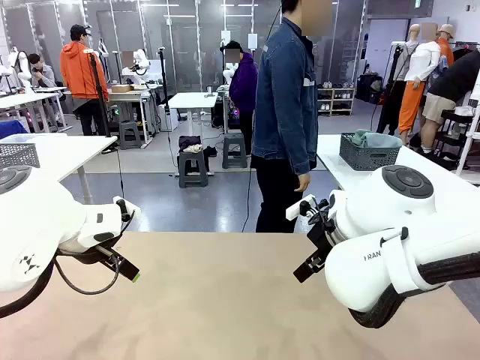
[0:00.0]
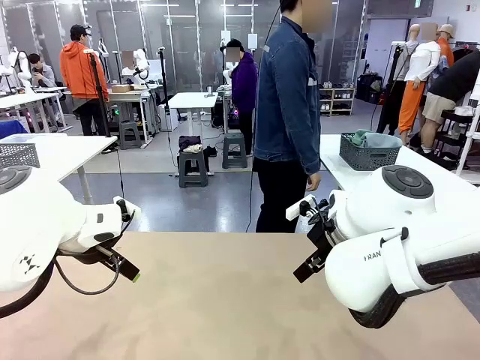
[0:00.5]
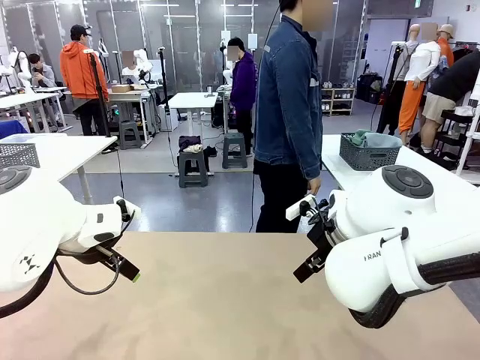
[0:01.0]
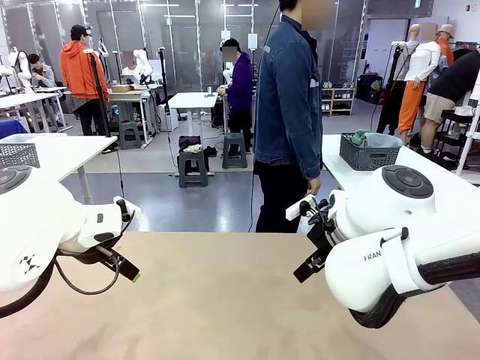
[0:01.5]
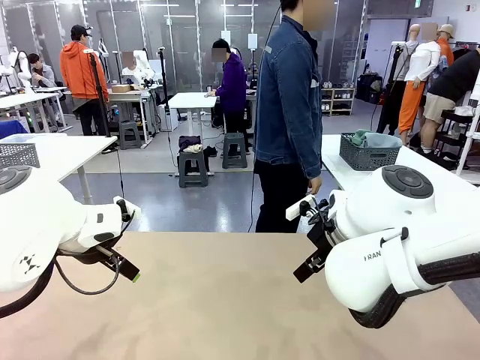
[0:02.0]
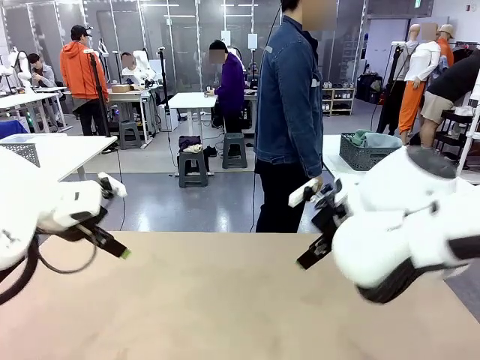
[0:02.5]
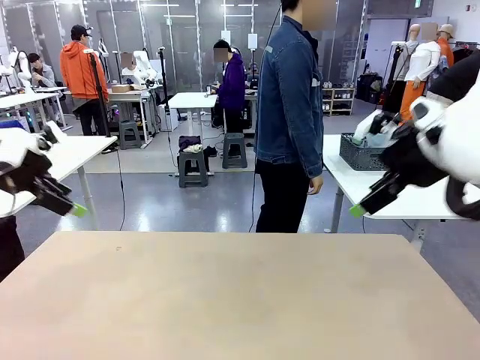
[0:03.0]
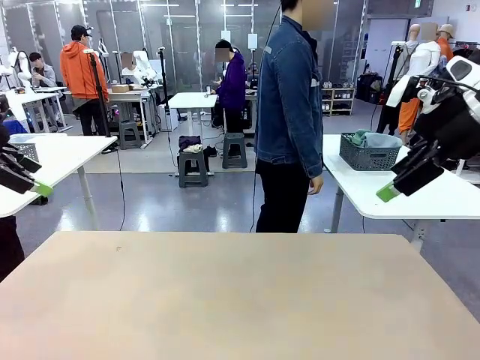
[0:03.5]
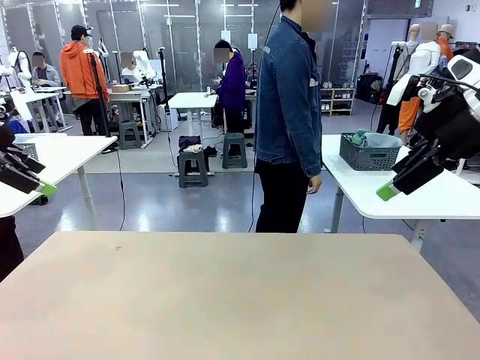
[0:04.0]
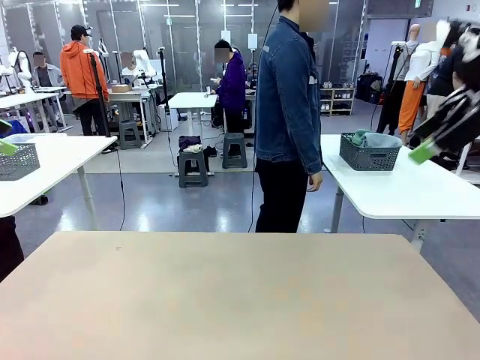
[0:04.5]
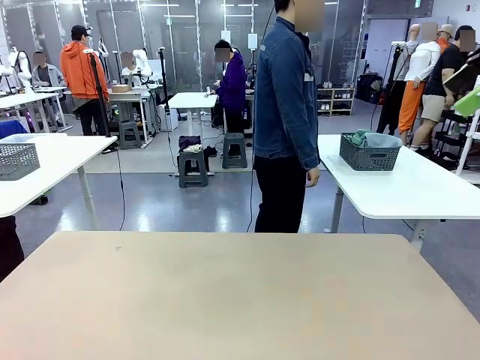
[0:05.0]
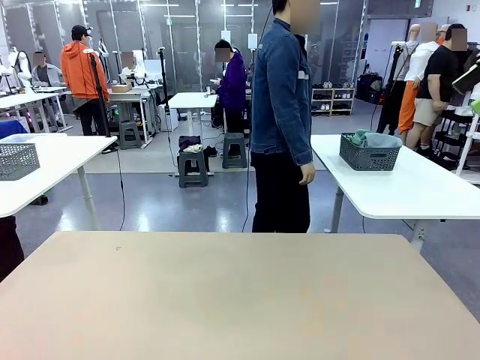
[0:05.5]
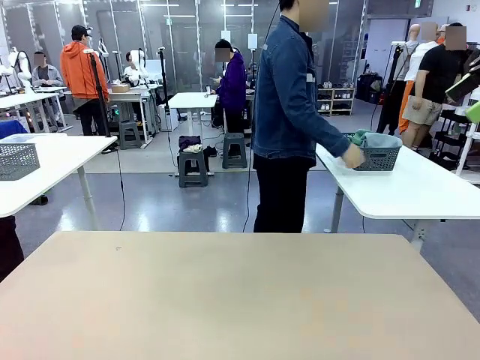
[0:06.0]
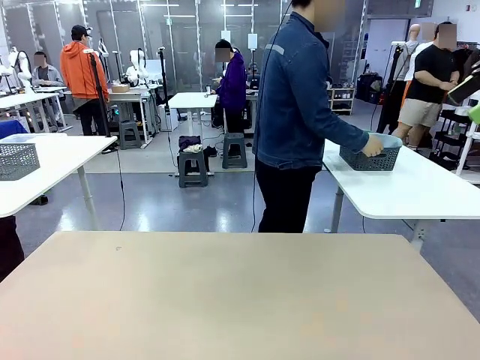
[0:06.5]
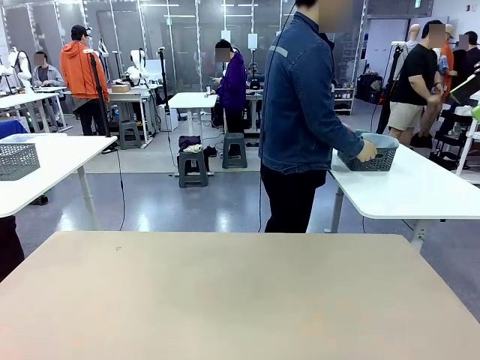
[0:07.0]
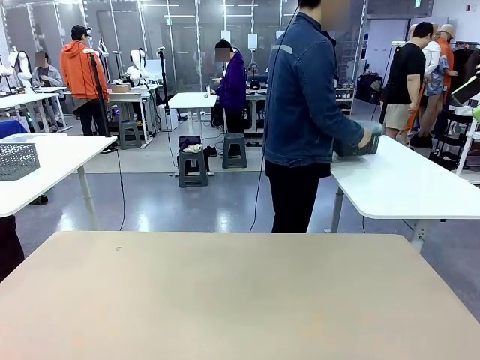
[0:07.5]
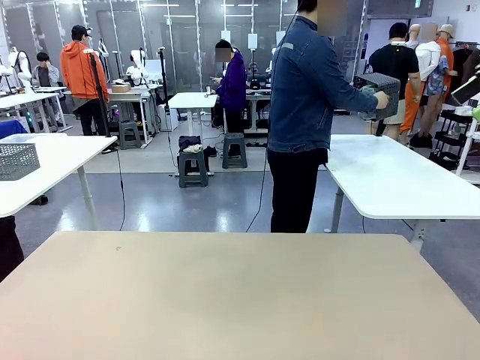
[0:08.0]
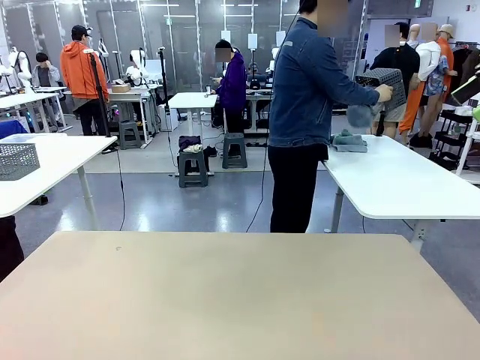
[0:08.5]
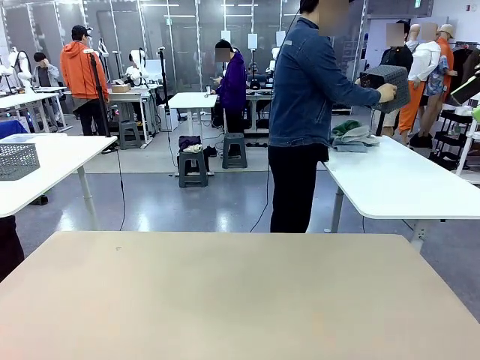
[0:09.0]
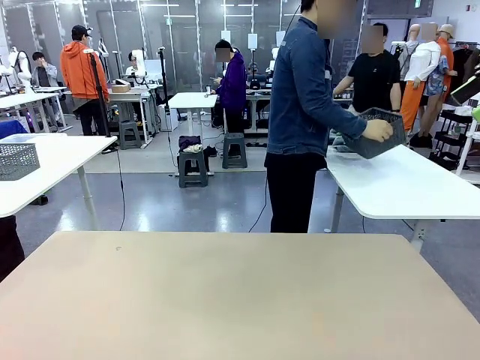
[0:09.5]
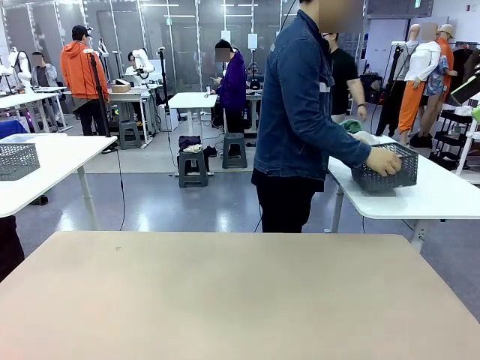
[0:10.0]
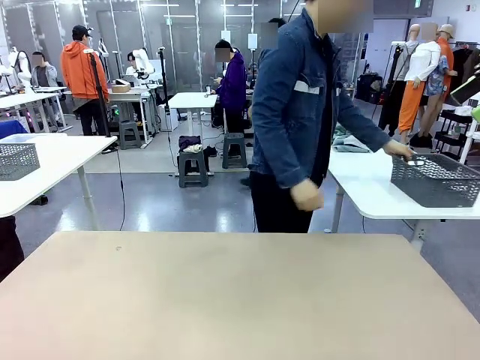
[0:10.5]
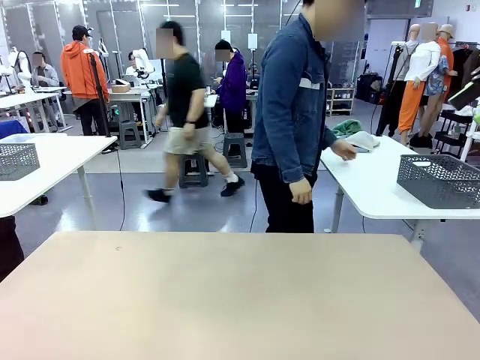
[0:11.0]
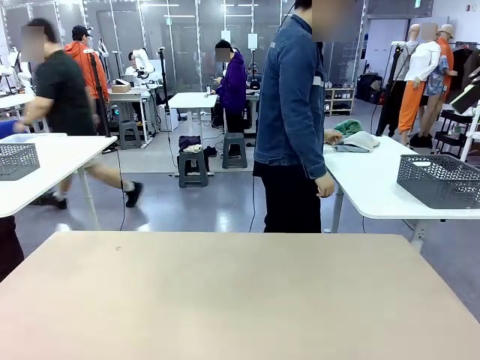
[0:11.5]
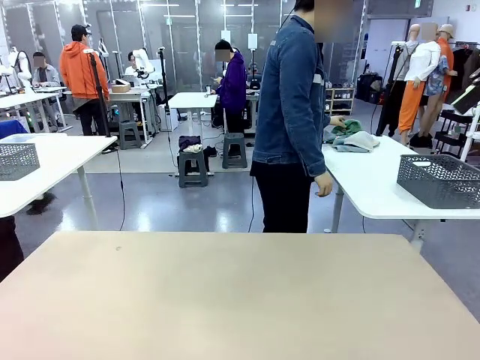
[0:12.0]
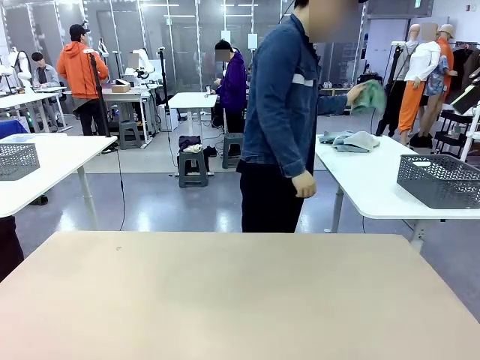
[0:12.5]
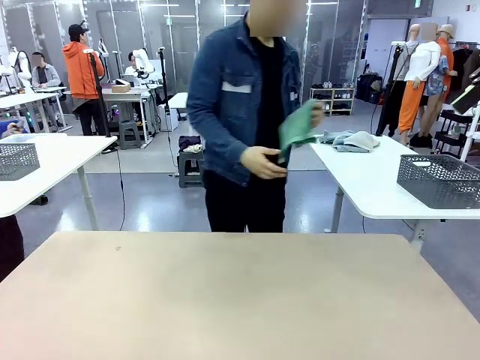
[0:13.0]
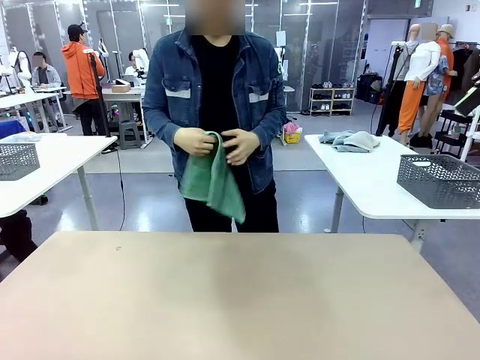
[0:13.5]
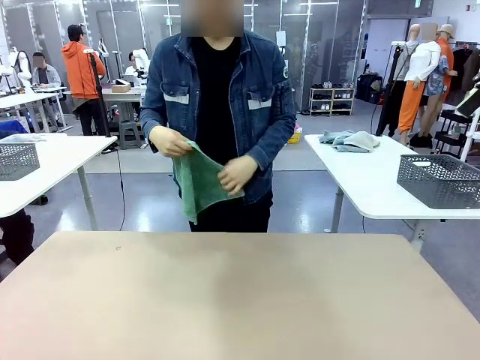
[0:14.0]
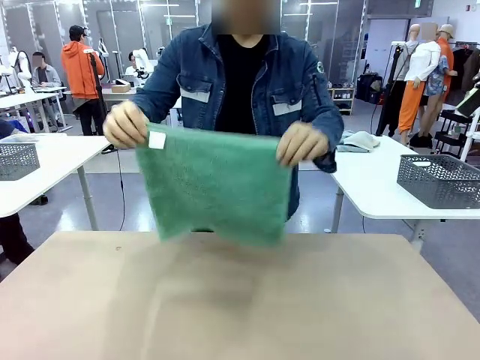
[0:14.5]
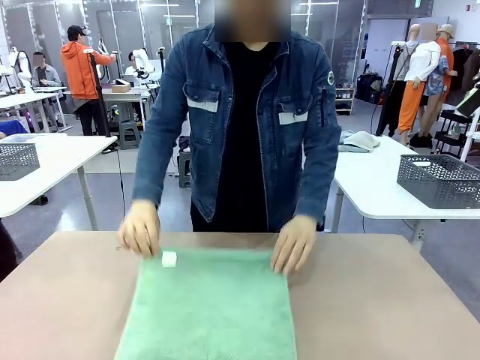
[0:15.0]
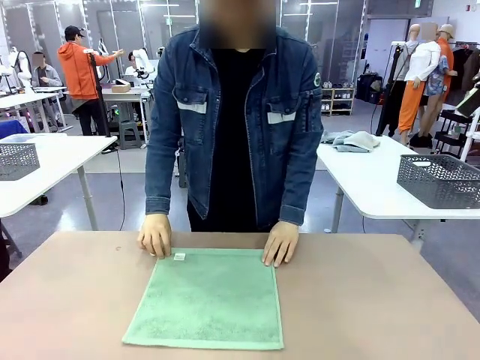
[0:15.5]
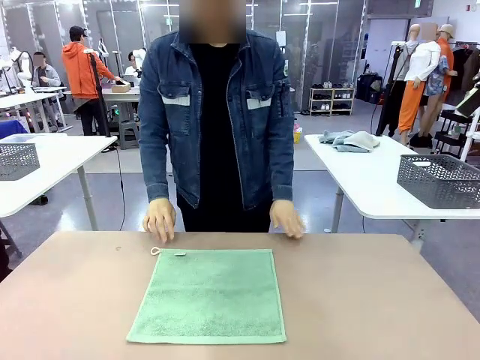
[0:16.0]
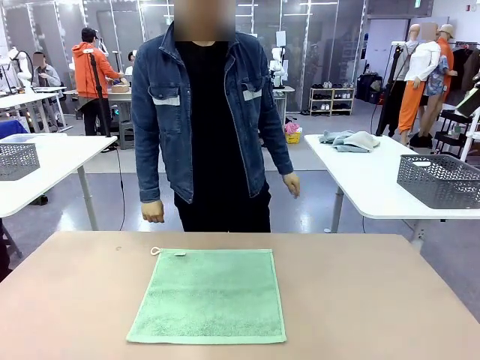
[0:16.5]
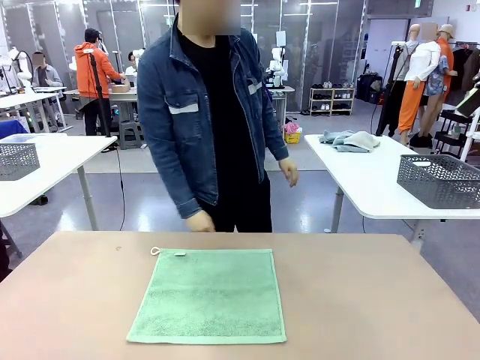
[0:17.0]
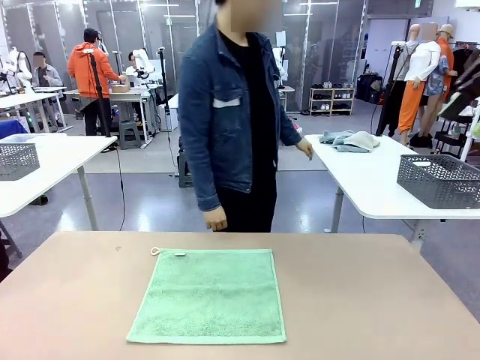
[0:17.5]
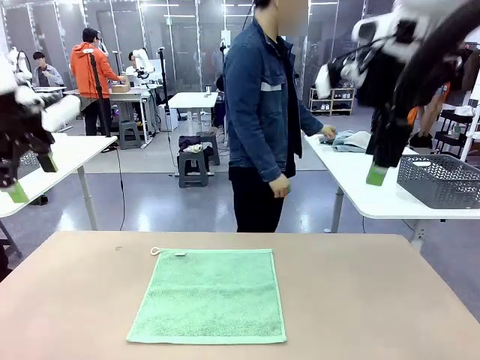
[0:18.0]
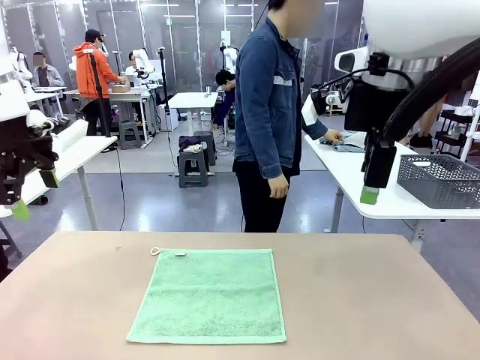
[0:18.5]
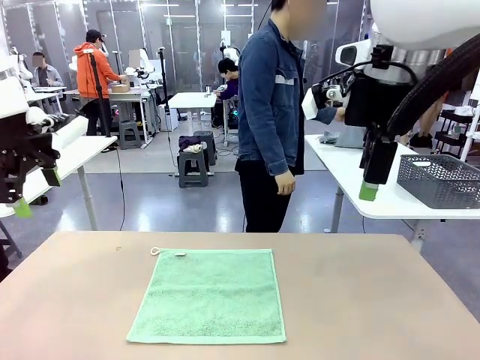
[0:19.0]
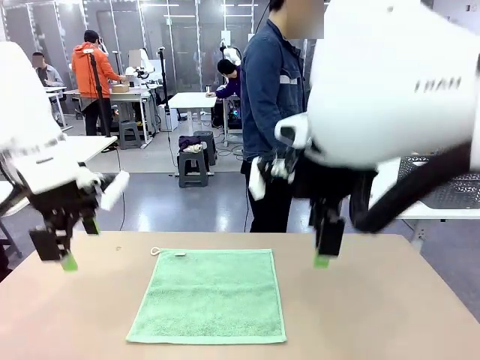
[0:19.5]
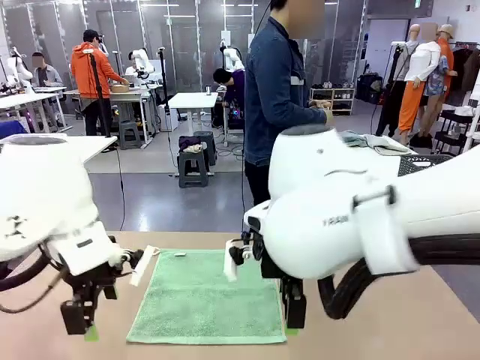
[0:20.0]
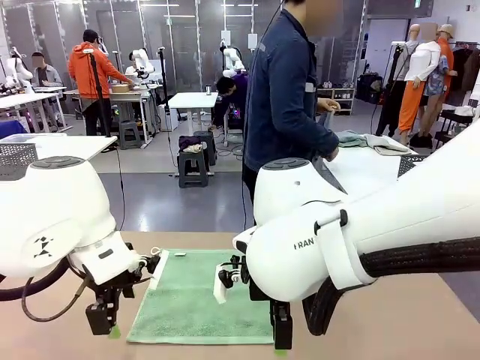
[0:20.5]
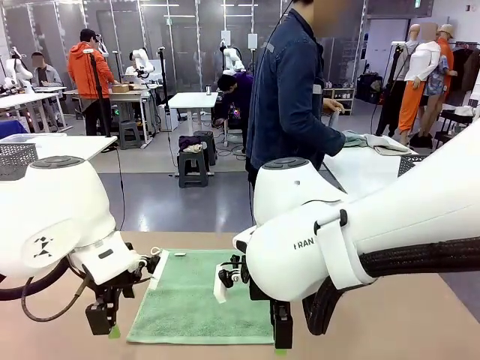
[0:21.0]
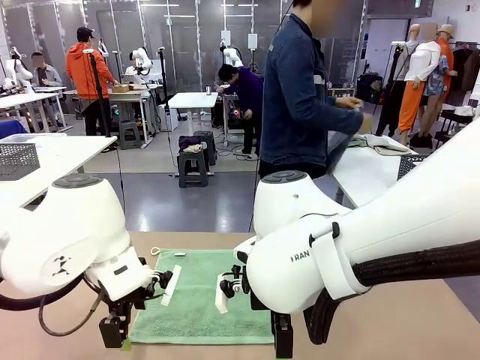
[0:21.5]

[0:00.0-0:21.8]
Task: Fold the towels and place them in the basket.
Robot: When a person lays out a Towel with hook on the table, fold it in half twice.
Person: Pick up the basket, pour the towels onto the left side of the human table, and place the basket on the right side. Pick up one towel and spread it out at the center of the robot table.

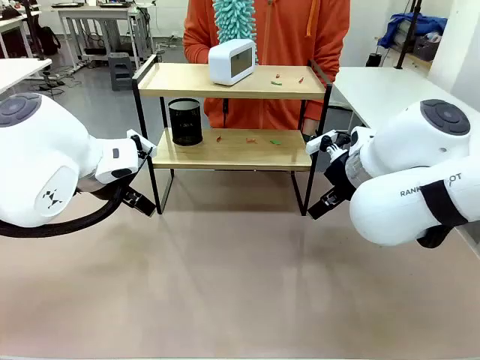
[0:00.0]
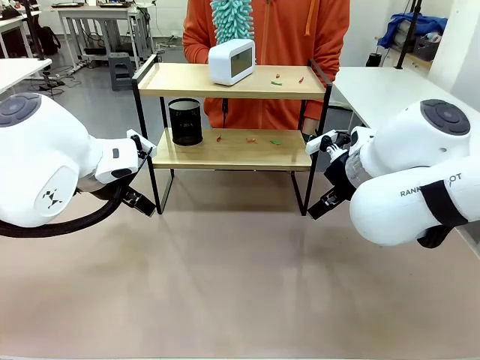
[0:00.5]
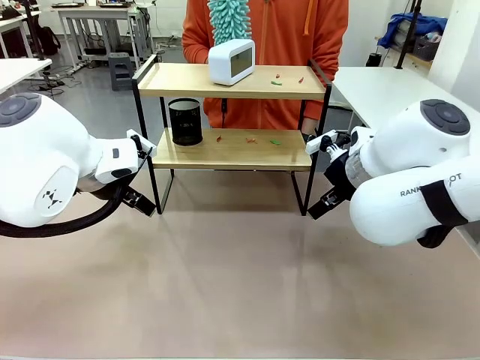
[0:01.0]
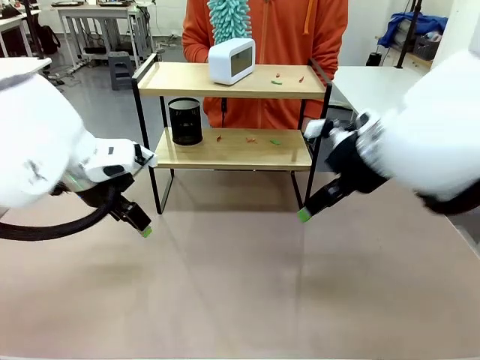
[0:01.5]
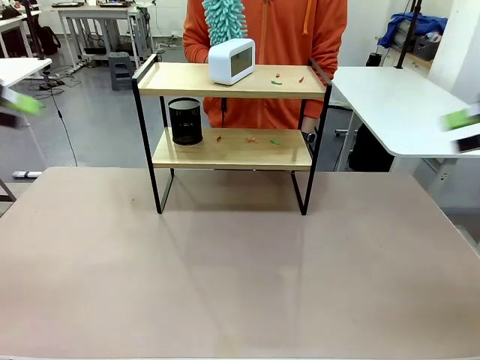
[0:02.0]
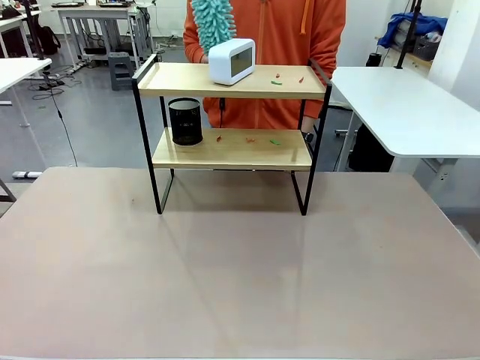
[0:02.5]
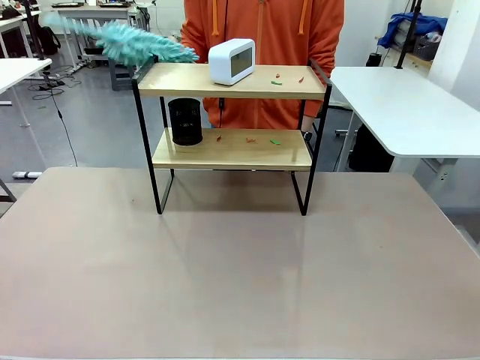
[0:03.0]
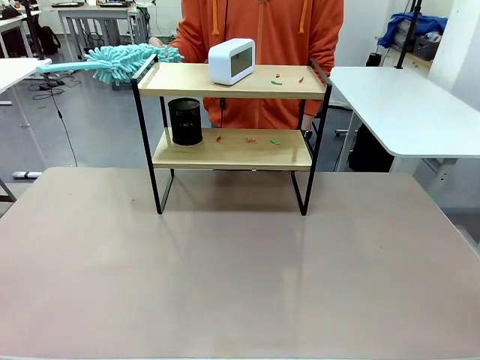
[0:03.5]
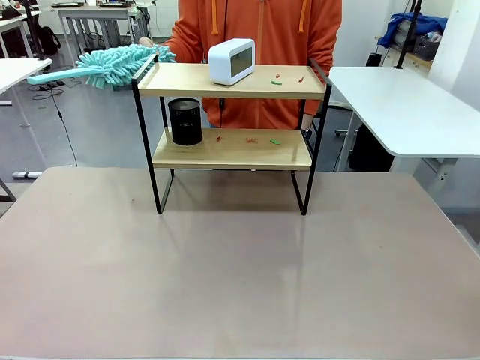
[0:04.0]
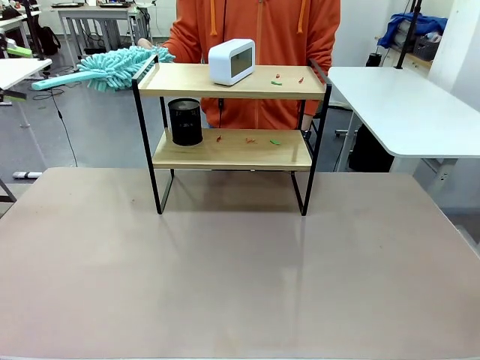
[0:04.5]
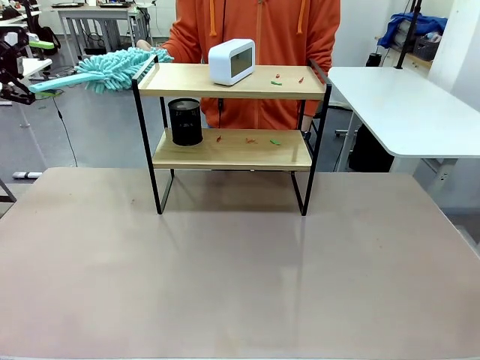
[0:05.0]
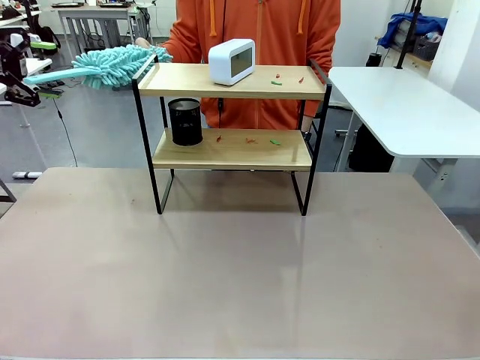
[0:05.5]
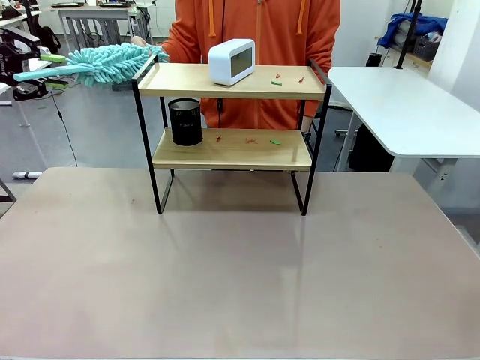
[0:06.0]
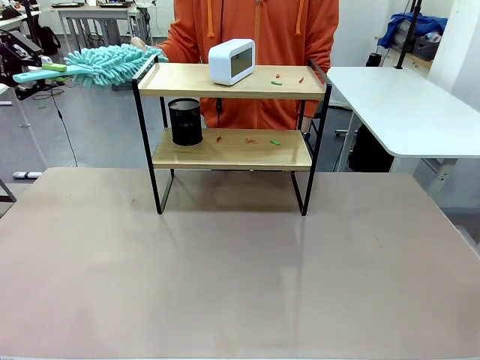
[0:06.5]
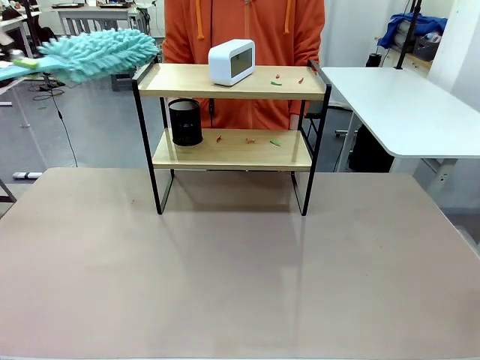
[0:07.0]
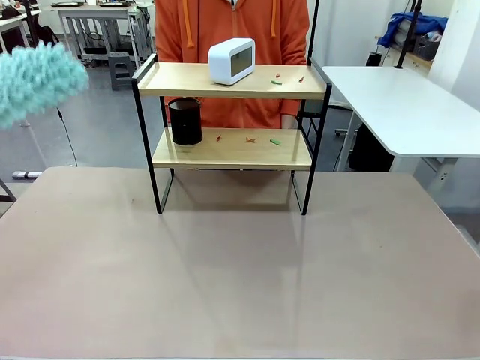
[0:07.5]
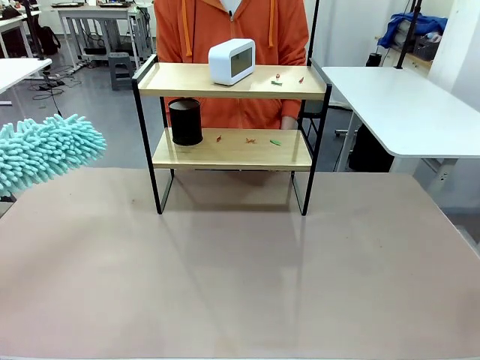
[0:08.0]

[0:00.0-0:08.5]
Task: Clean the shelf.
Robot: Pick up the Duster from the human.
Person: Hand the Duster to the robot.
